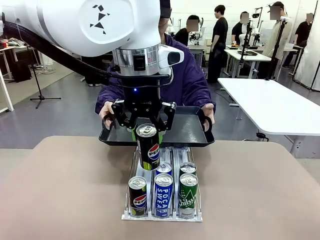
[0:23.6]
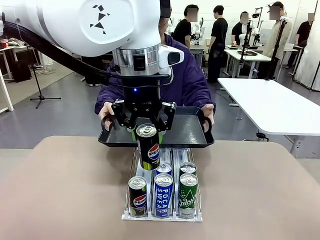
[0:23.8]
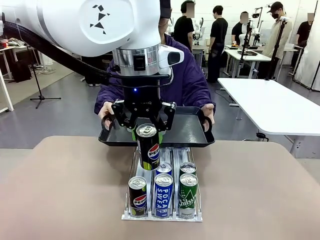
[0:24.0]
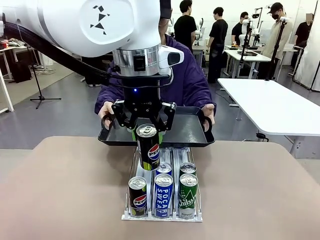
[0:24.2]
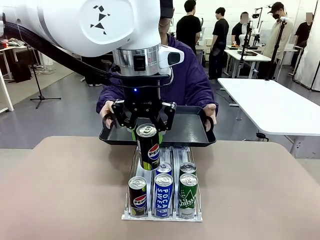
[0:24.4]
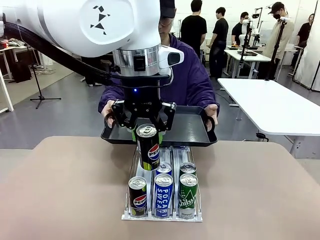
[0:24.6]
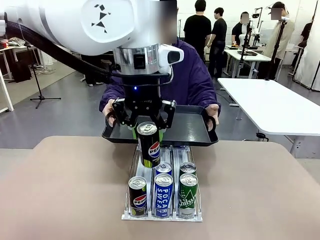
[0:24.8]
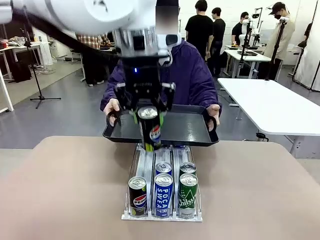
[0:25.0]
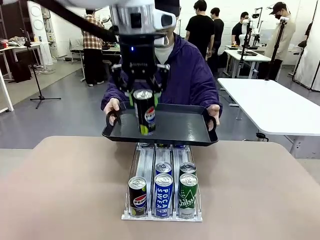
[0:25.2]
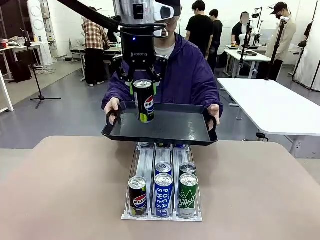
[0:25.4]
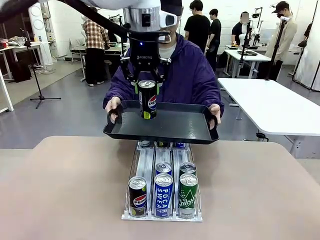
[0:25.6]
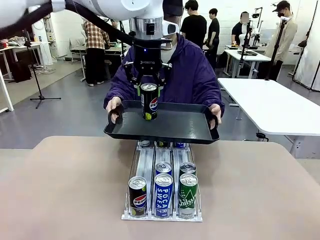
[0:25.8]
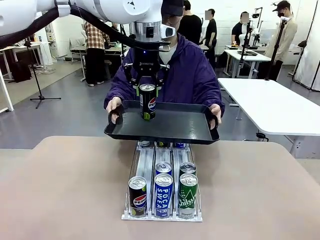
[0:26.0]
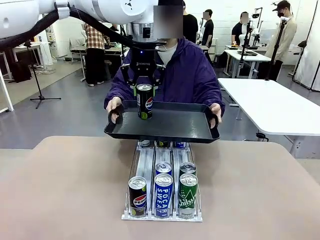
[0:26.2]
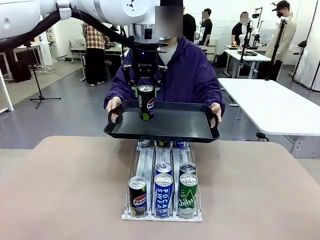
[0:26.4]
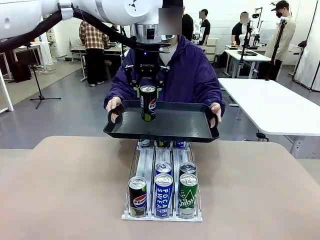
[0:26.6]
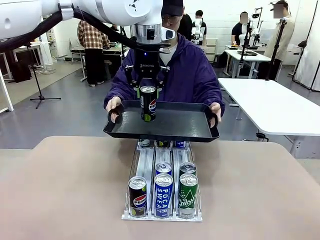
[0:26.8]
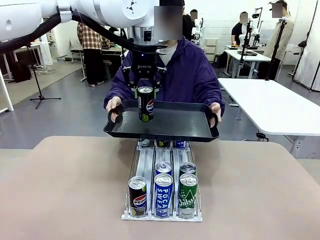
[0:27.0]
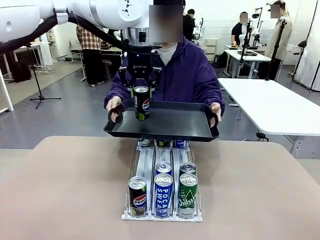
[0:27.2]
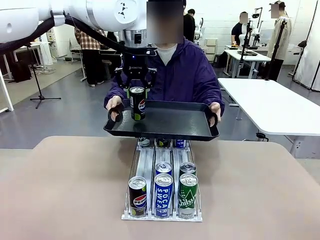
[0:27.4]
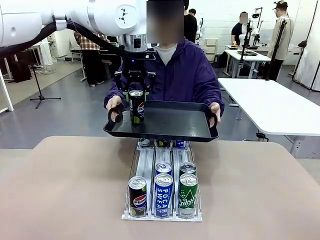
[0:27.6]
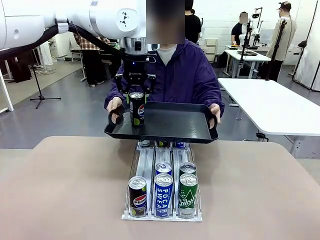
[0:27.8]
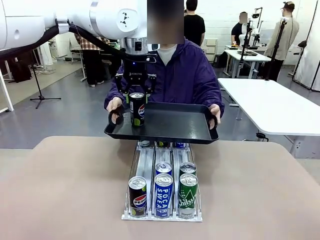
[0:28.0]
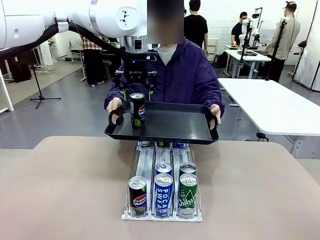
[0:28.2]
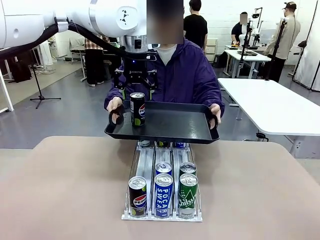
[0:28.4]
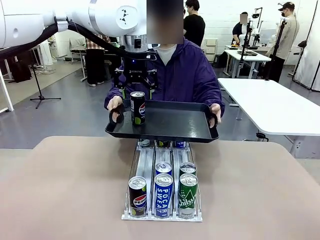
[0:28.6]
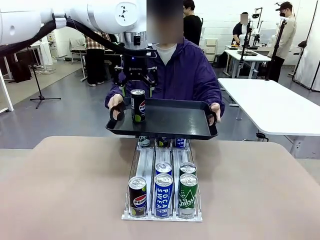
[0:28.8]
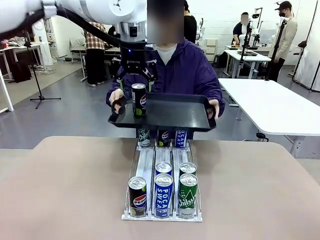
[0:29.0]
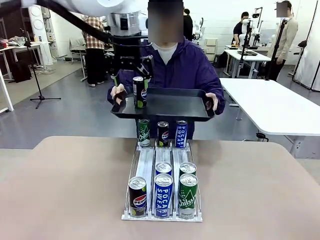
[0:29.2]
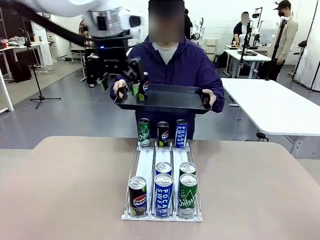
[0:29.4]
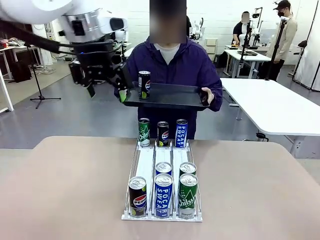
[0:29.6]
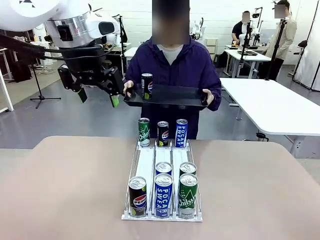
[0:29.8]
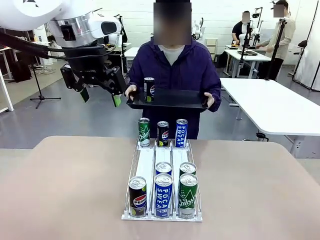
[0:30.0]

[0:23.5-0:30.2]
Task: Retrieve and hand over the desired beverage to the person.
Robot: Place the picked can on the Handle tray extended by the person.

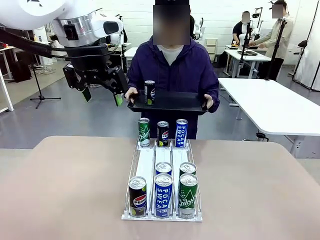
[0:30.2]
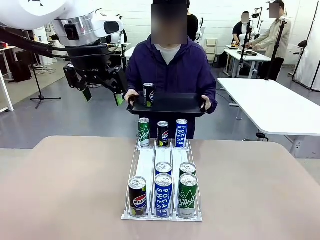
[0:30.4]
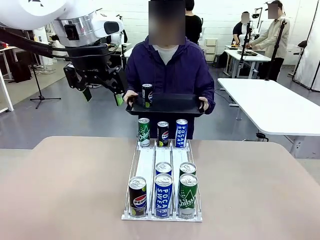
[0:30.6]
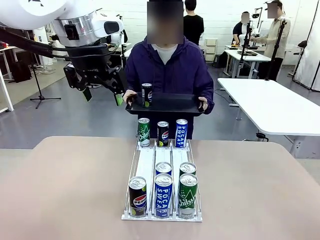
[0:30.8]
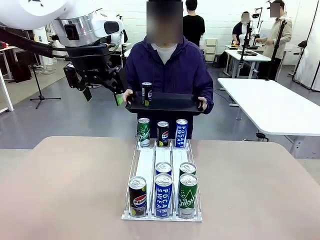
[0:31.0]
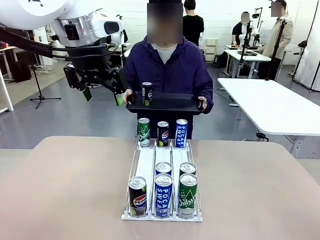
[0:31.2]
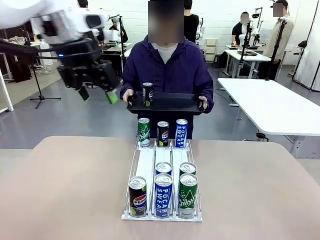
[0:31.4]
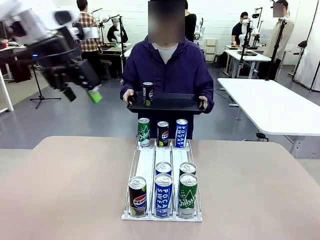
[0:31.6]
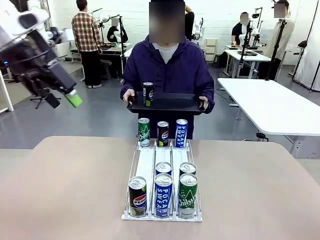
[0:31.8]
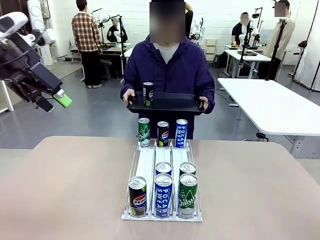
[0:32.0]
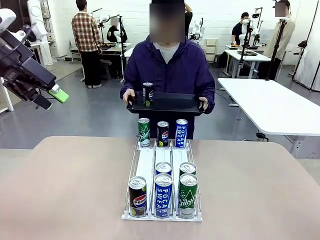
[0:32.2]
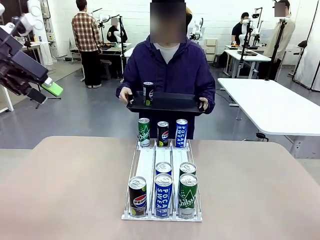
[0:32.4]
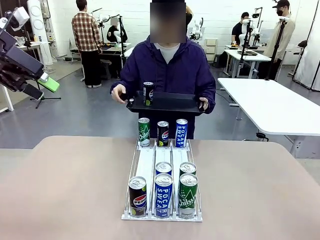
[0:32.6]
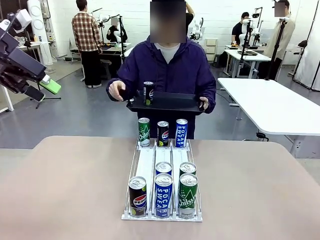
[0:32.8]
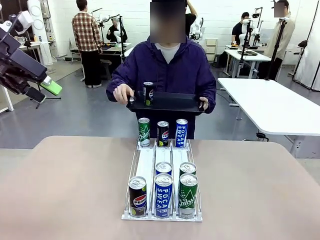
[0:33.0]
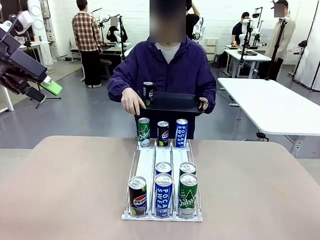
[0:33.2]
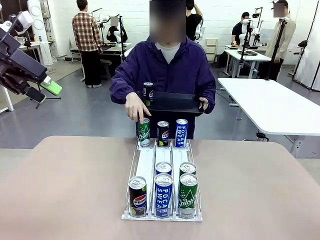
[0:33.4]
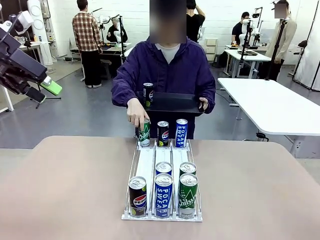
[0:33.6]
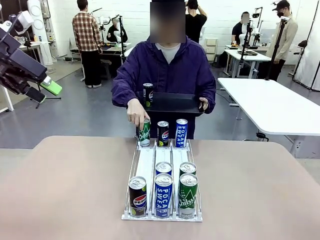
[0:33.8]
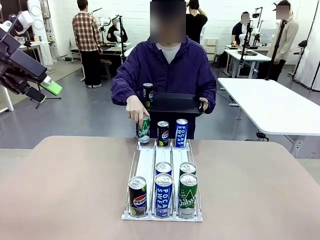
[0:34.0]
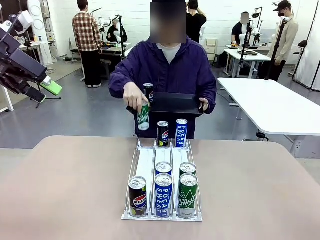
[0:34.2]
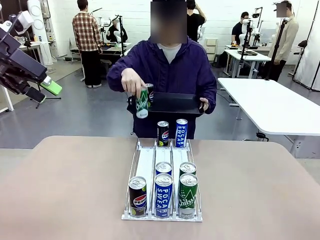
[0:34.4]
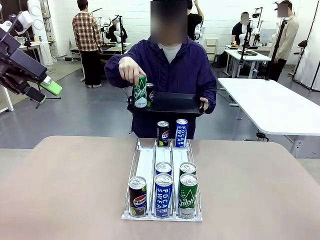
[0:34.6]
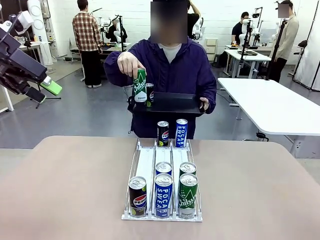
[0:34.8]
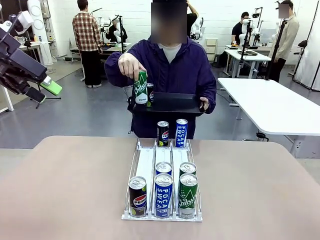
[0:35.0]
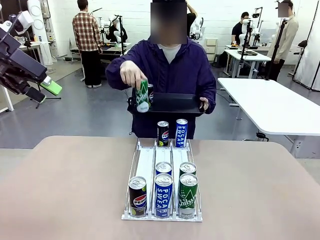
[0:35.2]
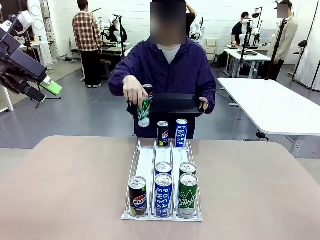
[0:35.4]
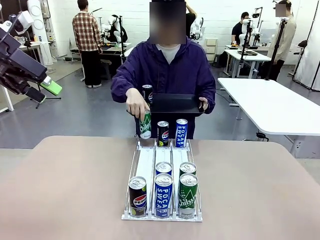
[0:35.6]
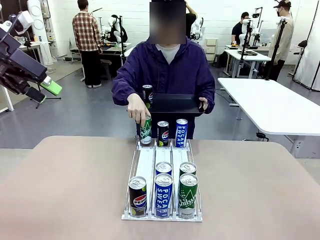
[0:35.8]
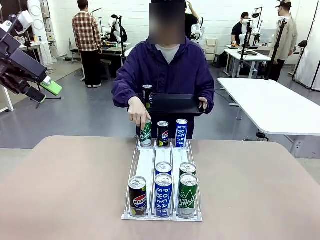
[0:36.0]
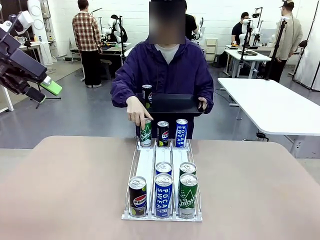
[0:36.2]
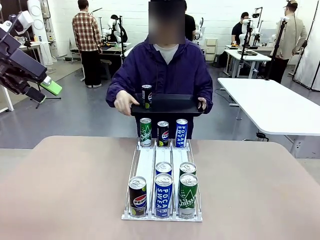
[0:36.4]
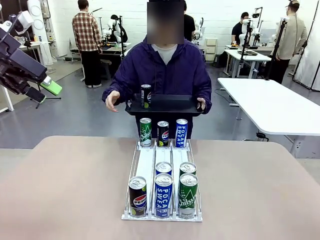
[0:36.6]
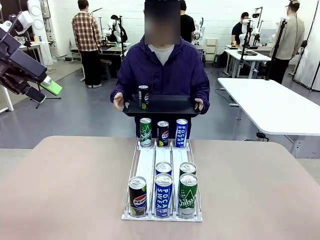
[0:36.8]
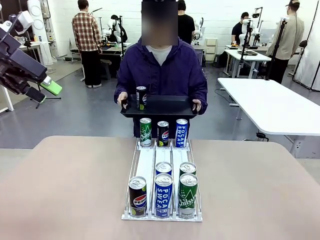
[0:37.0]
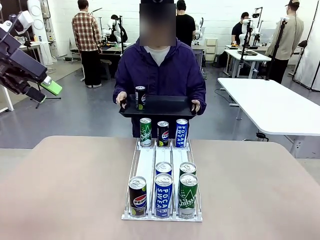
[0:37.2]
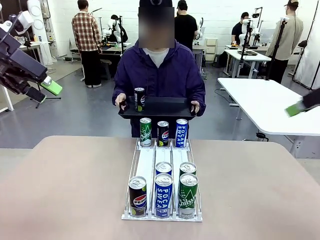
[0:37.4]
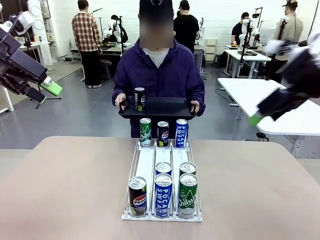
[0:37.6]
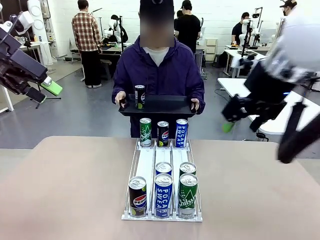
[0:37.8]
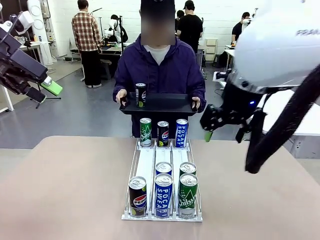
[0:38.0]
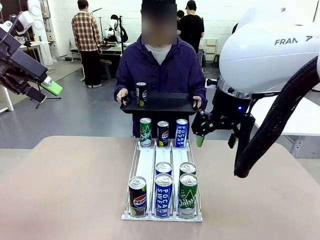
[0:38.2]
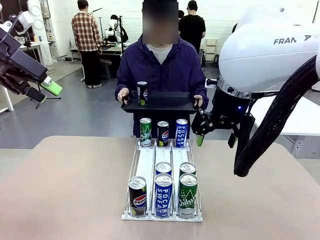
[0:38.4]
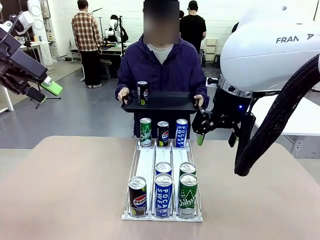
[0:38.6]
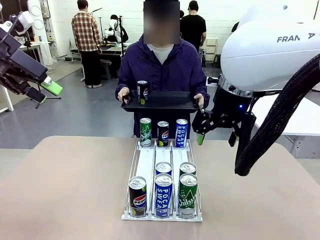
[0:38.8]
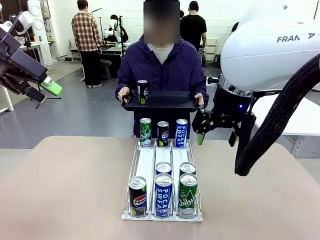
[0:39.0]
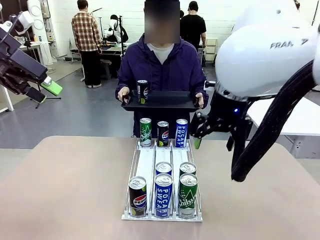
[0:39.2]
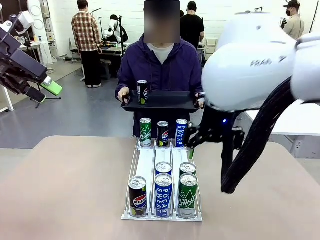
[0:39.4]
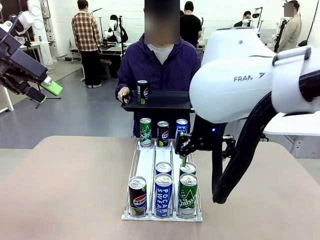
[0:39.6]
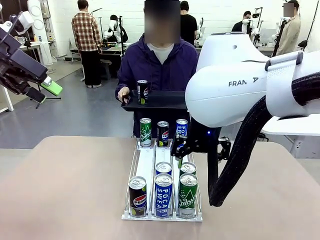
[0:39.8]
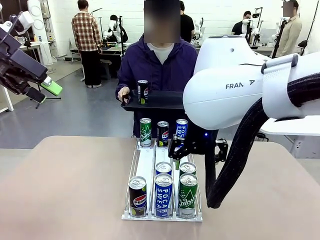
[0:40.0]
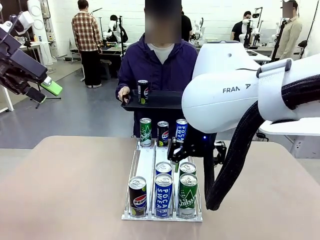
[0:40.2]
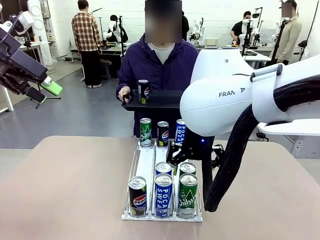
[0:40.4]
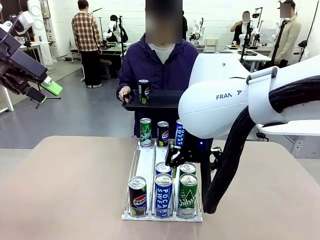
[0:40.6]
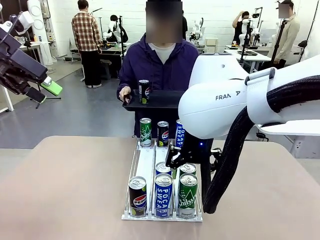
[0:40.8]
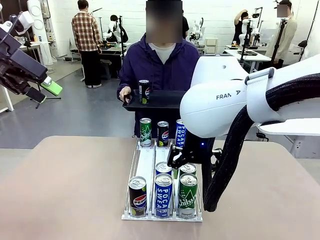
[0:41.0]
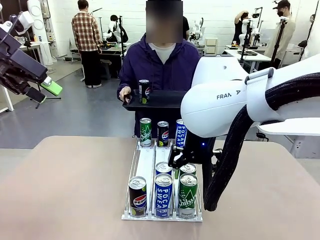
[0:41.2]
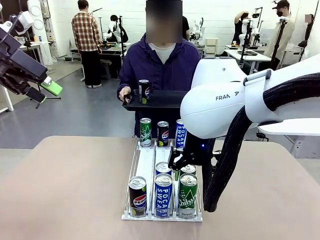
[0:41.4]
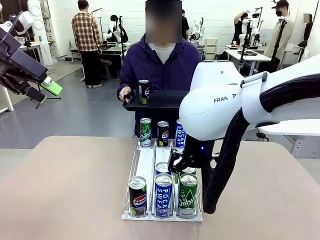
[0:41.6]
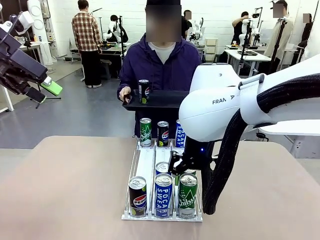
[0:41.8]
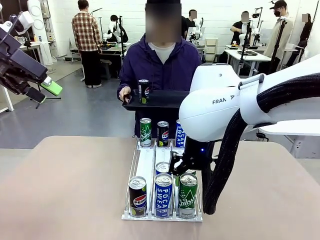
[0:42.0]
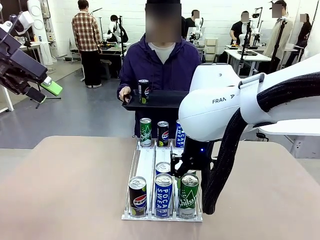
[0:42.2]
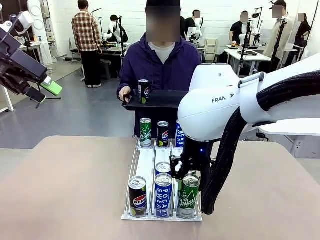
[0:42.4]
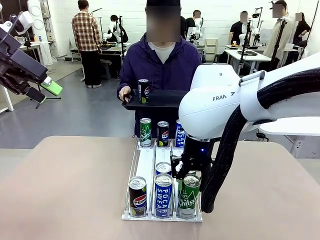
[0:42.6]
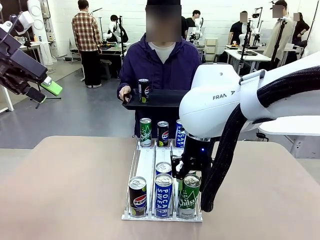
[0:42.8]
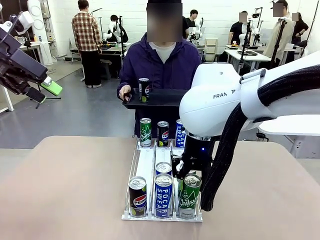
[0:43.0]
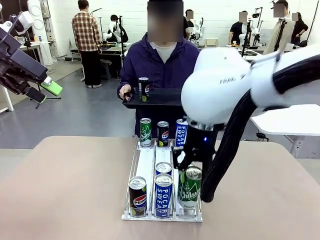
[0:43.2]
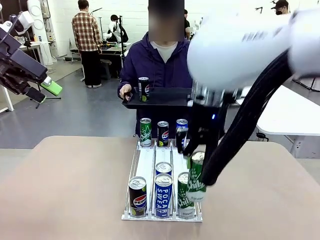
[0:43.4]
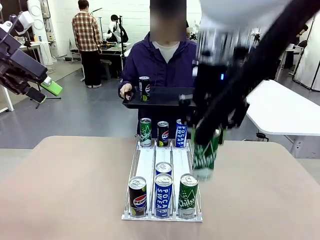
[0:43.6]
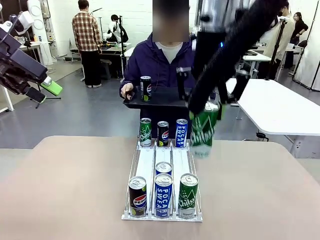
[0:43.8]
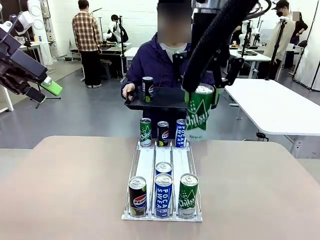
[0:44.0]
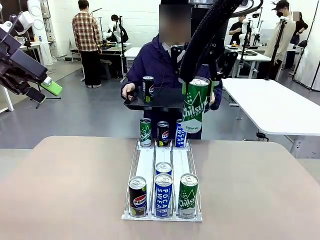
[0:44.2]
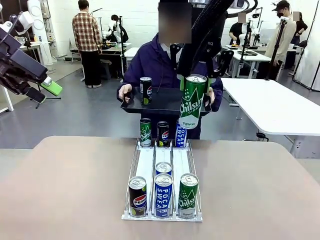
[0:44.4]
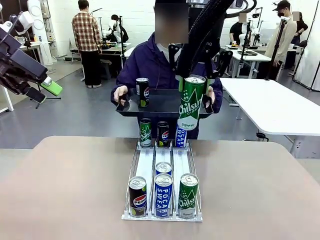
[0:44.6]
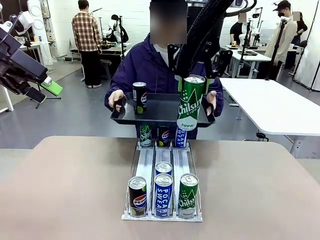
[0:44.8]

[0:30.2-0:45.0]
Robot: Pick up another can of the same type that the person held from the Automatic Can Dispenser.
Person: Pull the tray back, then pick up another can from the bottom area of the table and puts it back in its original place. Push the tray toward the robot again.
